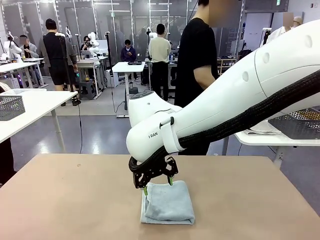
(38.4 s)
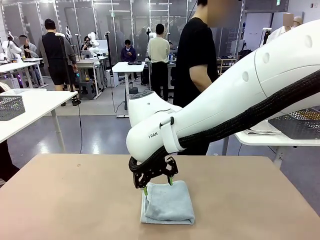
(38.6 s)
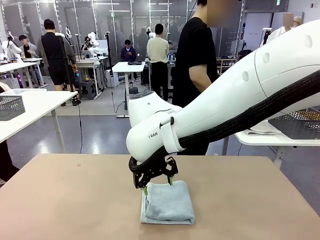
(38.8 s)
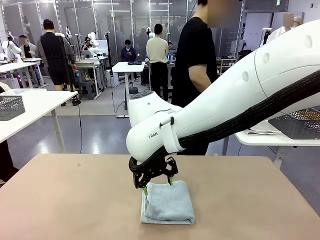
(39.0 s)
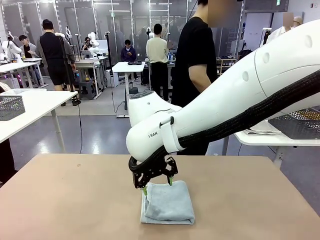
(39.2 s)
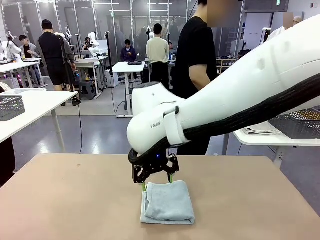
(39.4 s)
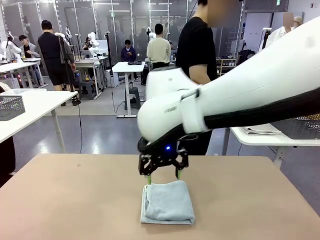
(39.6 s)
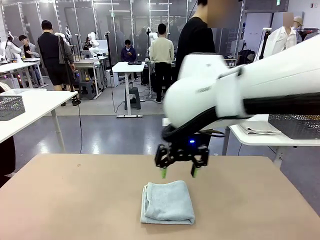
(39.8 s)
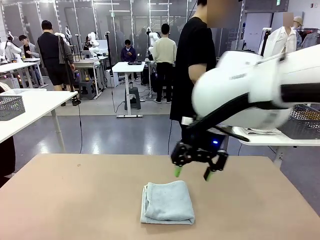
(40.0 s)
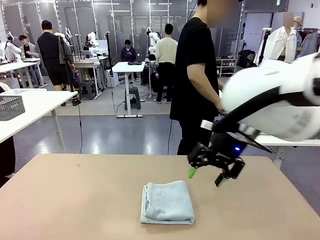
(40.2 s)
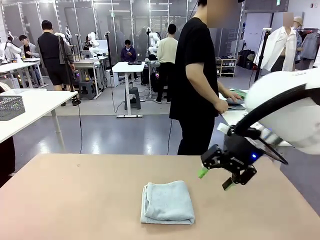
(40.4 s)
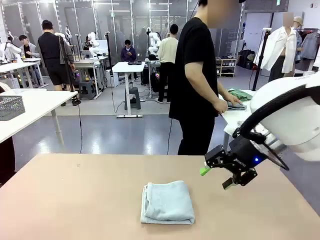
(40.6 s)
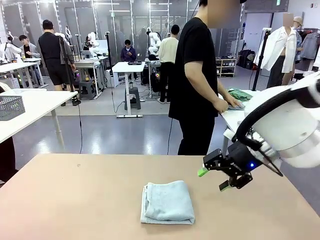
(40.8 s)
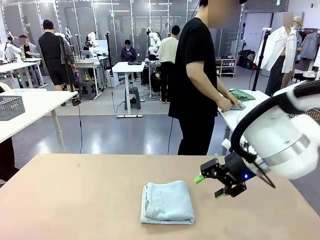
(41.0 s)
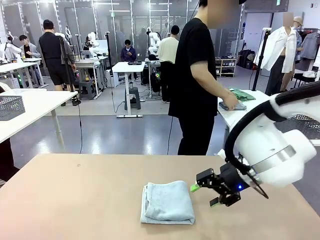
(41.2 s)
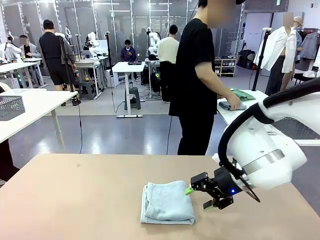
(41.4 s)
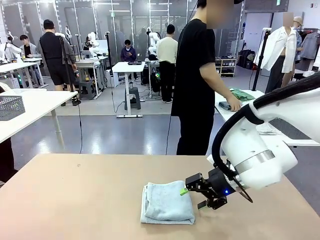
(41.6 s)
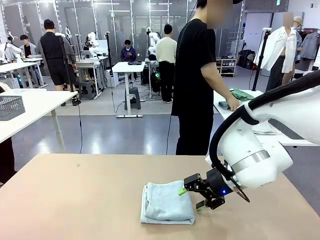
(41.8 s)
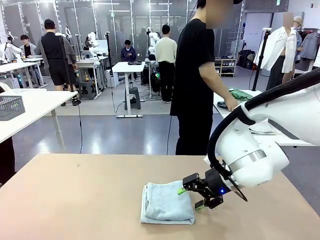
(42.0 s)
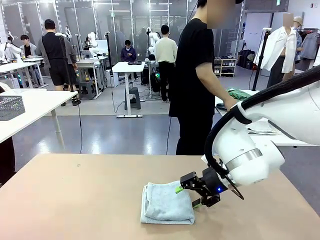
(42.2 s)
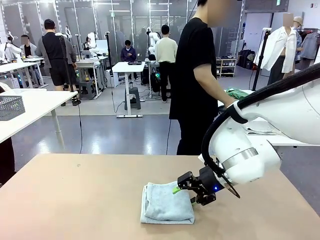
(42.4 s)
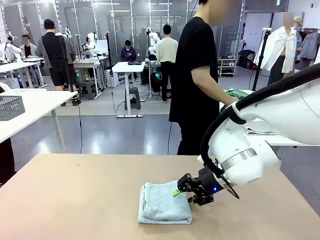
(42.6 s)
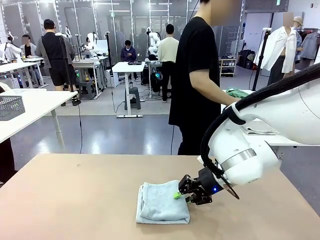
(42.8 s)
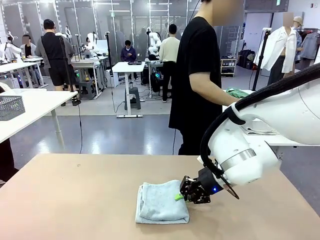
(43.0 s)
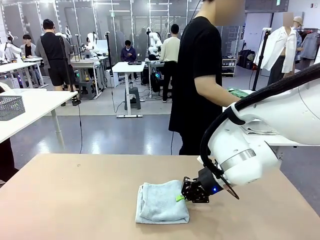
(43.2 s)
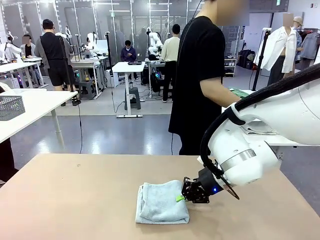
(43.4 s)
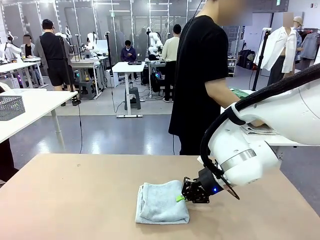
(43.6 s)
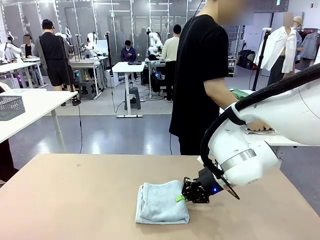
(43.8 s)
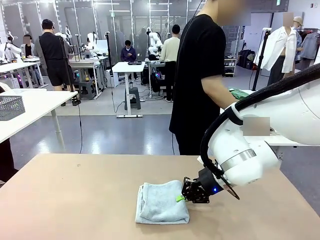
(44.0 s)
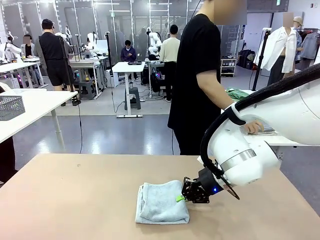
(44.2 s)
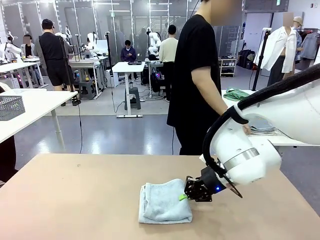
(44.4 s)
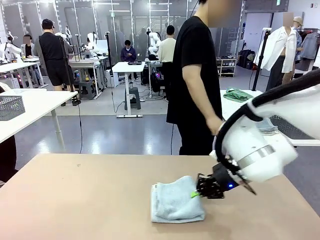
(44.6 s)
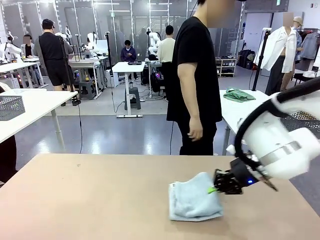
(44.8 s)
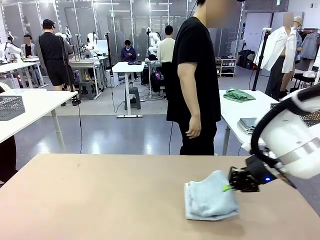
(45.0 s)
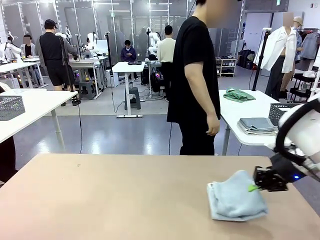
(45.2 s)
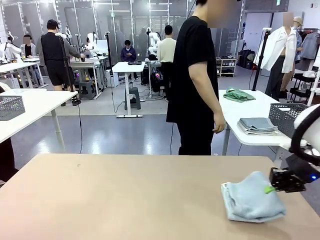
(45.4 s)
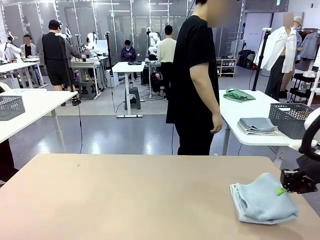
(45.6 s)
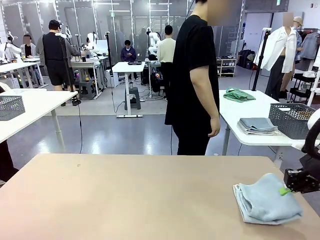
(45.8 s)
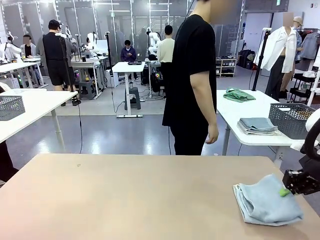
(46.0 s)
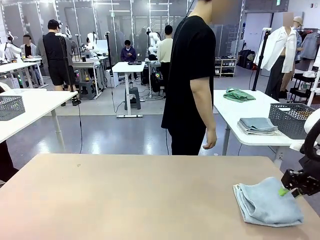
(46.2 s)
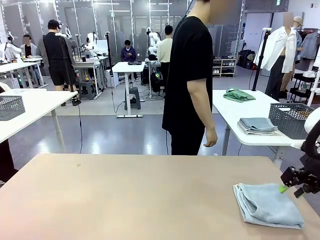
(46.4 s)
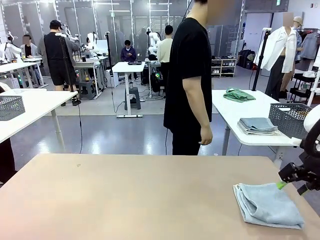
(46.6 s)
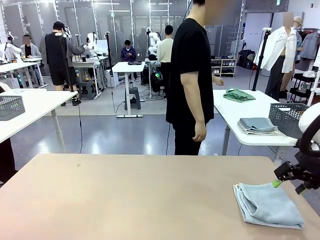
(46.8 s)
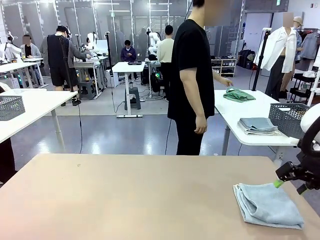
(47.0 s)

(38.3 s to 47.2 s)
Task: Fold the towels and place them in the basket.
Robot: Place the folded Towel with hook on the right side of the table.

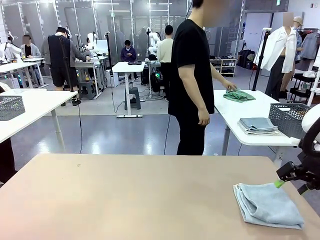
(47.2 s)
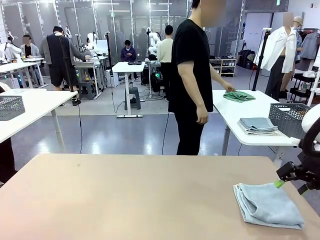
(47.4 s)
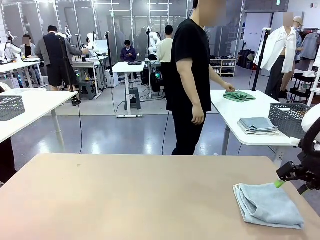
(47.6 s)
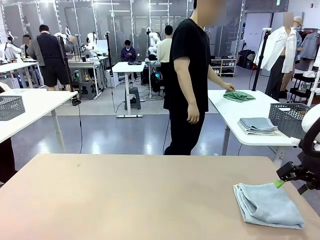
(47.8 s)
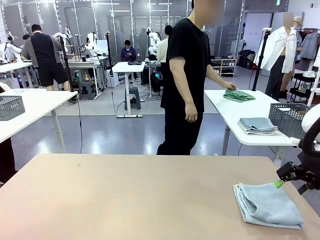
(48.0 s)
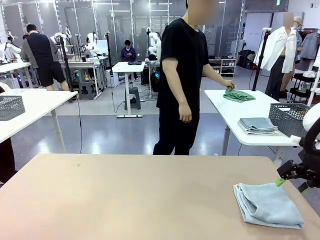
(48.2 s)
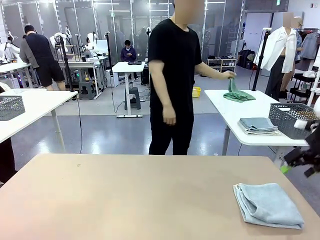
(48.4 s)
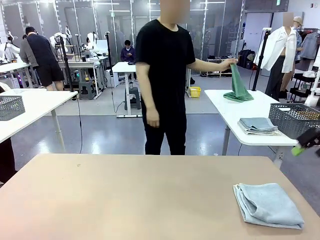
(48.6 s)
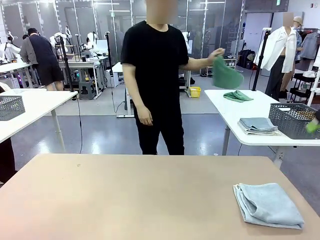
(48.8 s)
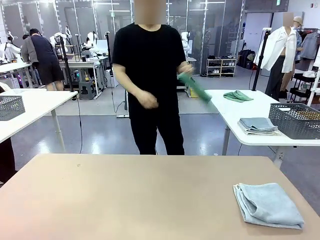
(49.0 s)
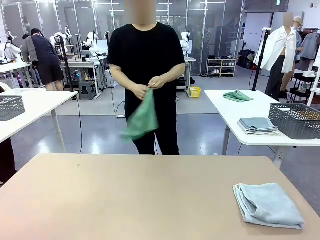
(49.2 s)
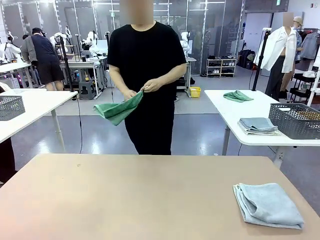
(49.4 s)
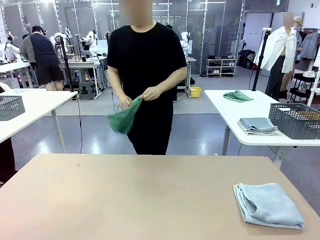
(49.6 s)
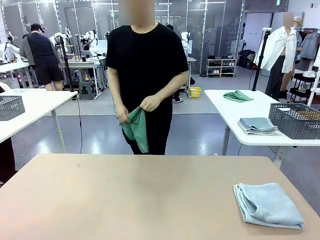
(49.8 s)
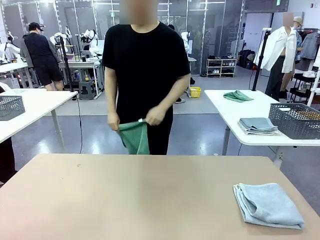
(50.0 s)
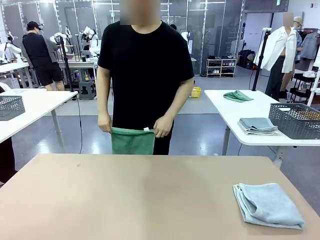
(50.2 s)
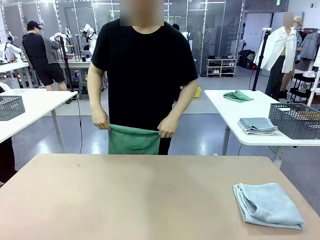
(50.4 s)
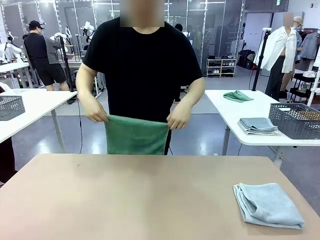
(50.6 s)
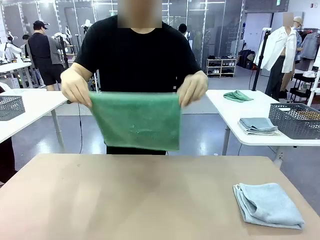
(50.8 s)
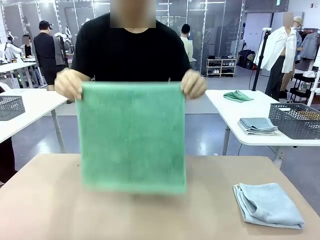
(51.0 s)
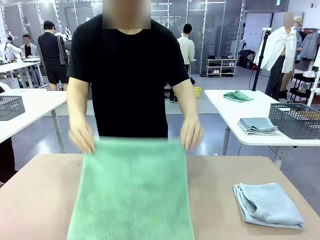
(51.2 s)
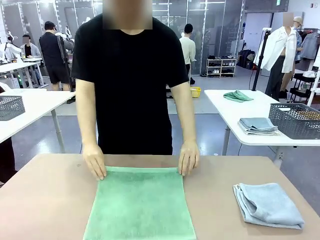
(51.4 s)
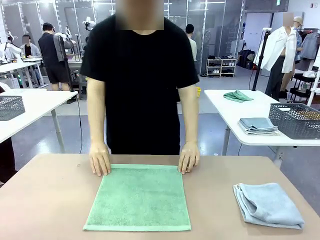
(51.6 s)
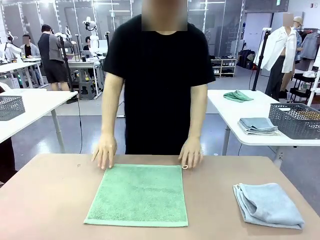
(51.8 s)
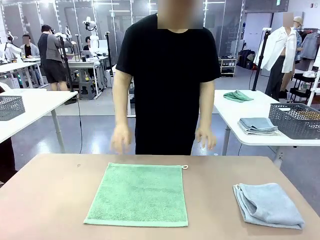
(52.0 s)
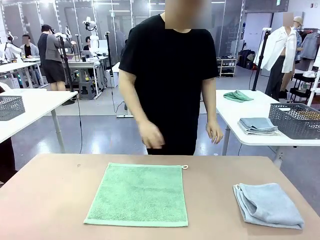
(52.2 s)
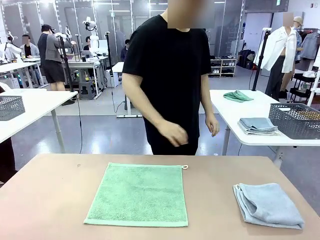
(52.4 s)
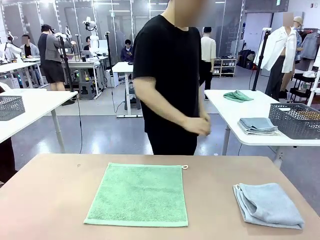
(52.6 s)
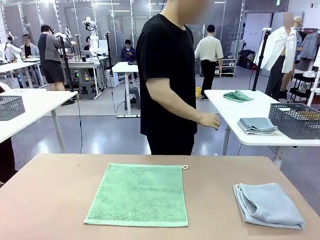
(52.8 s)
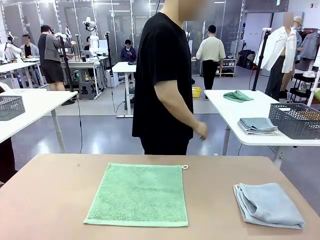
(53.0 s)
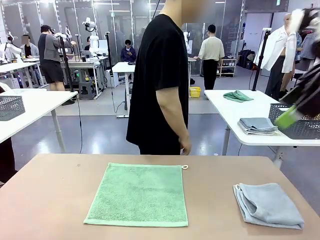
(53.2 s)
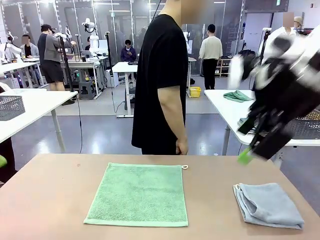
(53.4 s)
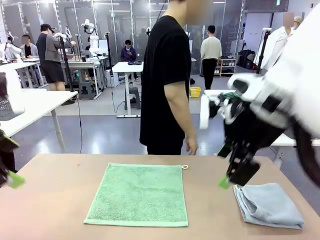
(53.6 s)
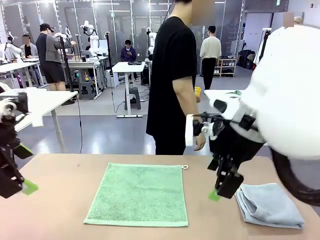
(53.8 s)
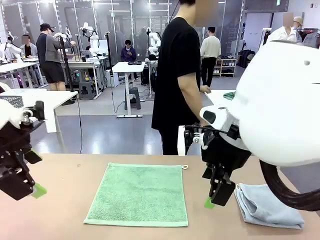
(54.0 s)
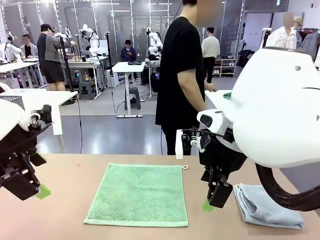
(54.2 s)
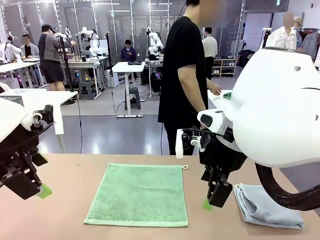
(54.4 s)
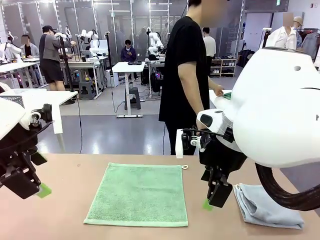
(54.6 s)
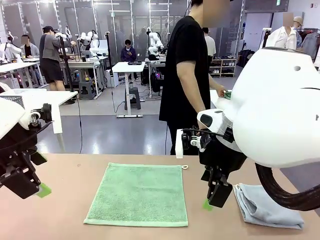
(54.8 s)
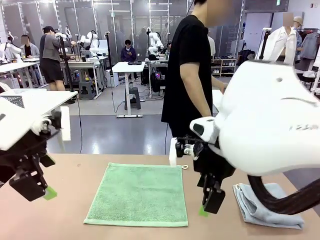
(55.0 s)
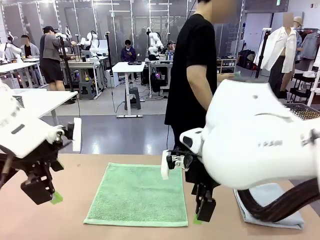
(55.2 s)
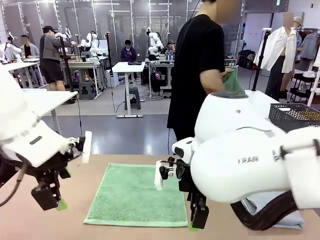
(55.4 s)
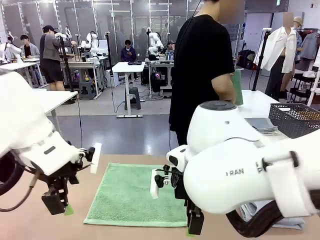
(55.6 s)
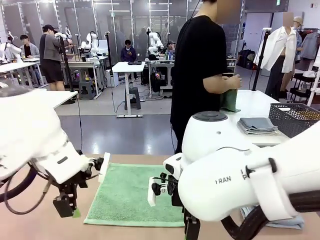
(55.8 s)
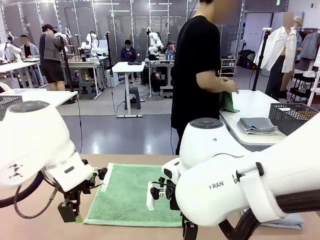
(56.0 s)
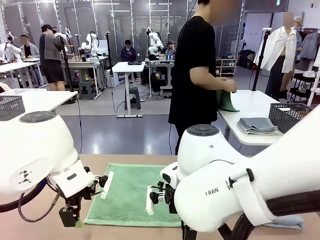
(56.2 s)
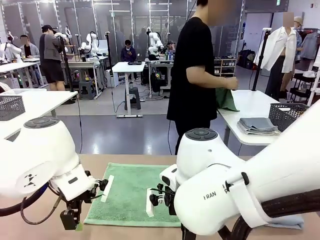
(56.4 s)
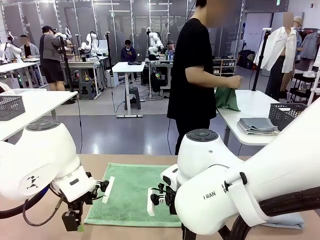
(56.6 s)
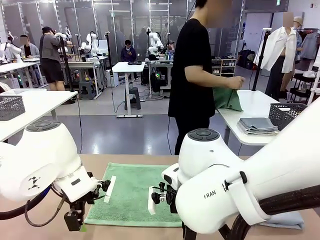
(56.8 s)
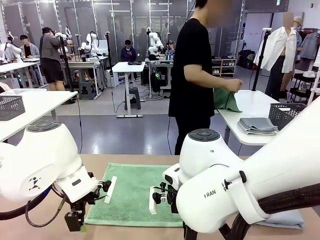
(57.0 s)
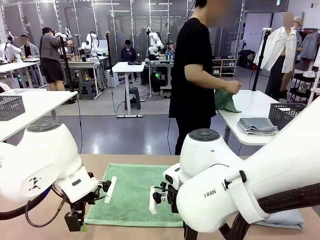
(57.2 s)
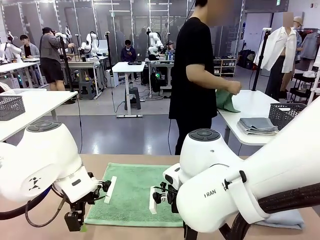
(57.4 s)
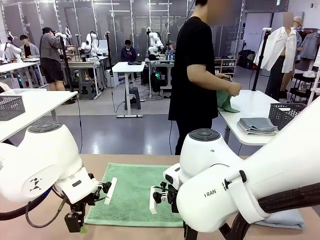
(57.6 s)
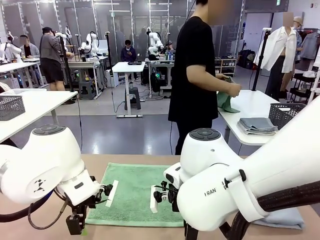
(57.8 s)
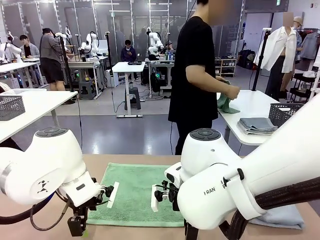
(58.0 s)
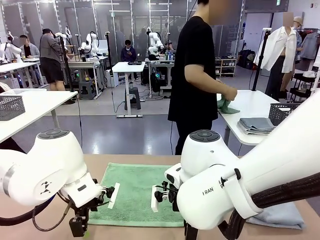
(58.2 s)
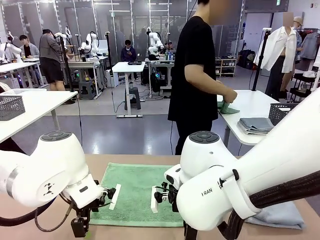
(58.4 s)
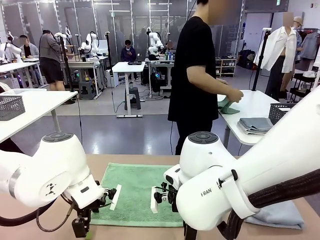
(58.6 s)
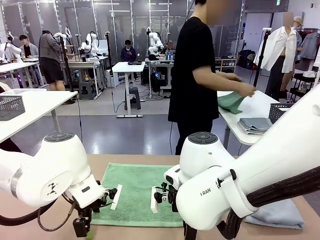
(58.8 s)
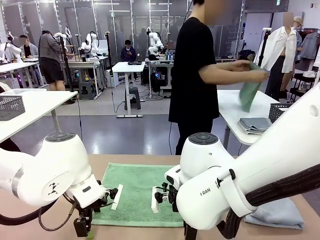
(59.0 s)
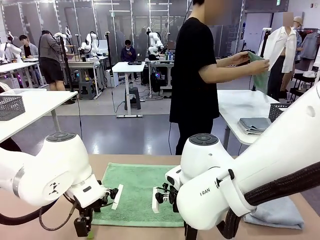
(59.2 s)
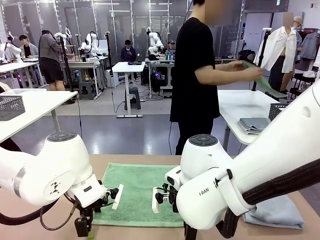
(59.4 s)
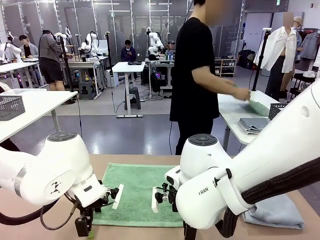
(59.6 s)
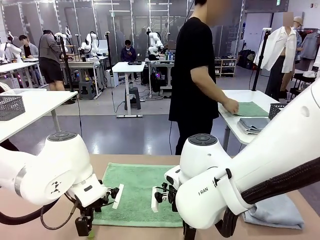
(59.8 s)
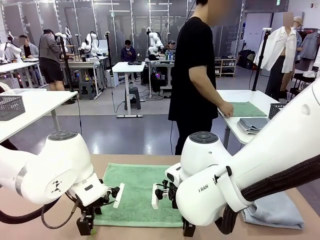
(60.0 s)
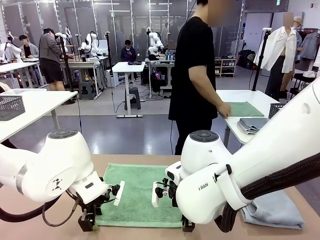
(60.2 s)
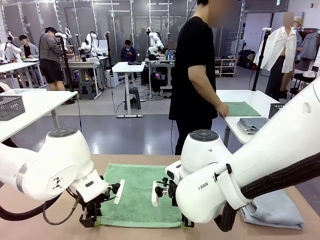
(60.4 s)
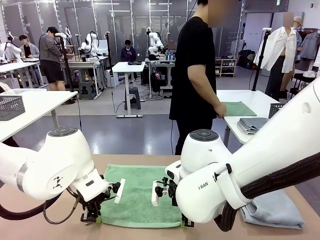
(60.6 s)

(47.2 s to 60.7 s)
Robot: When a person lays out a Towel with hook on the table, fold it in half twice.
Person: Pick up one towel from the left side of the human table and spread it out at the center of the robot table.
